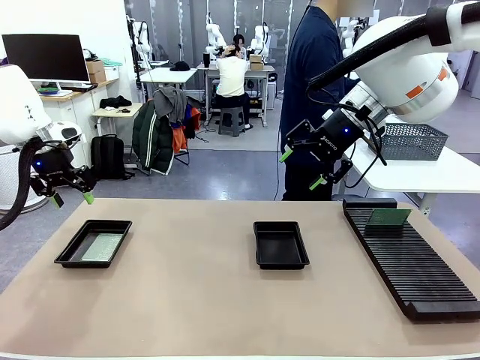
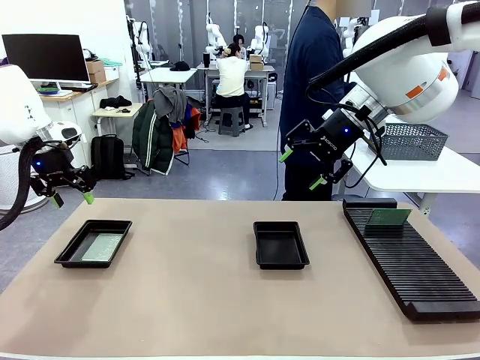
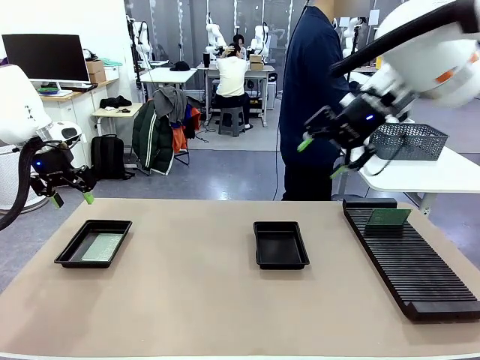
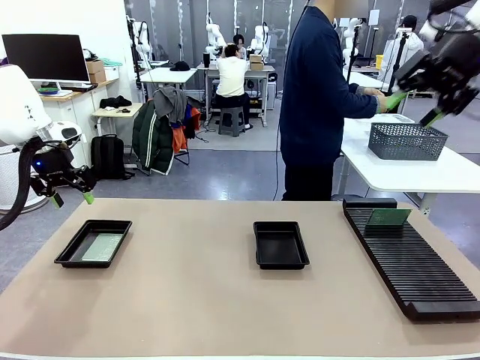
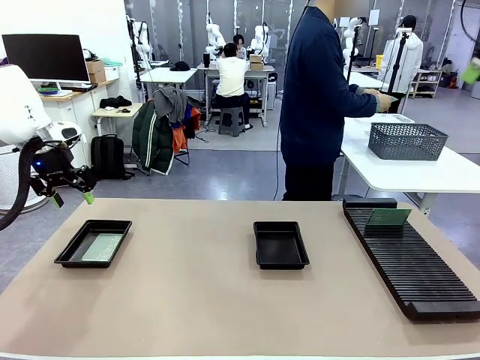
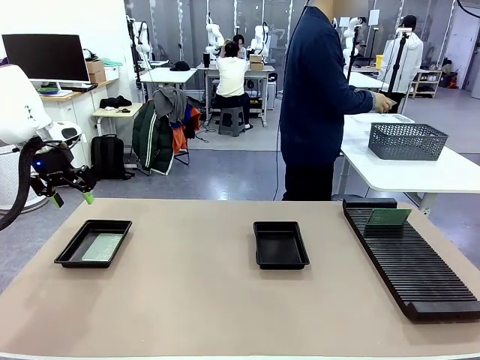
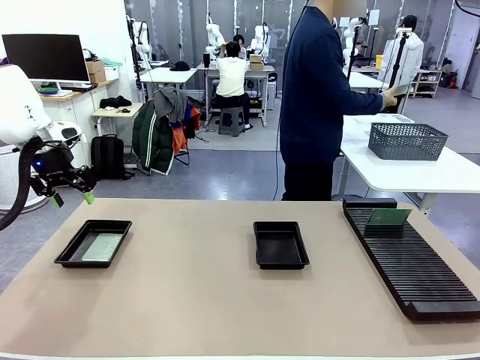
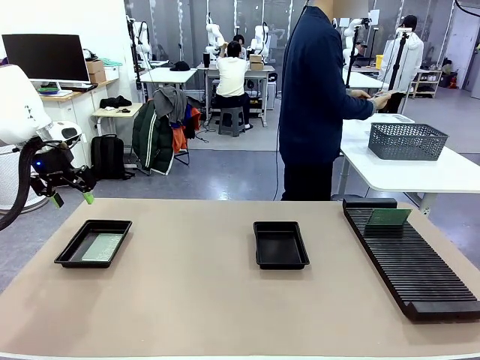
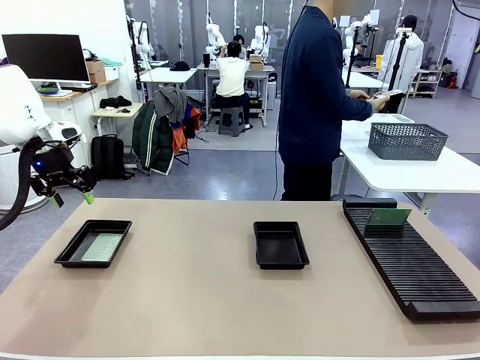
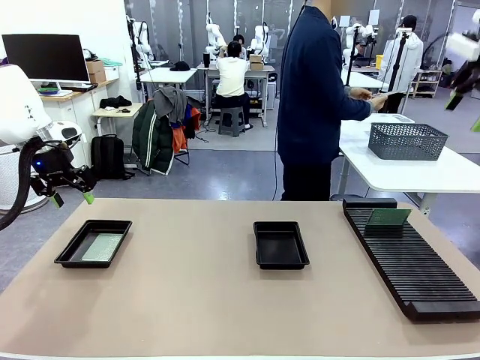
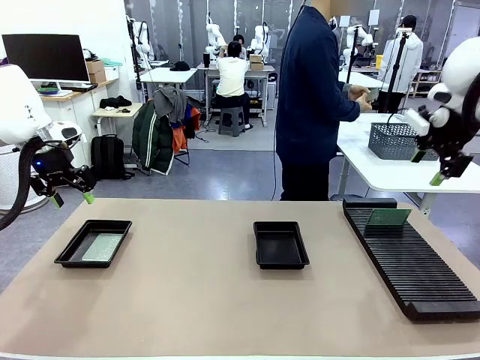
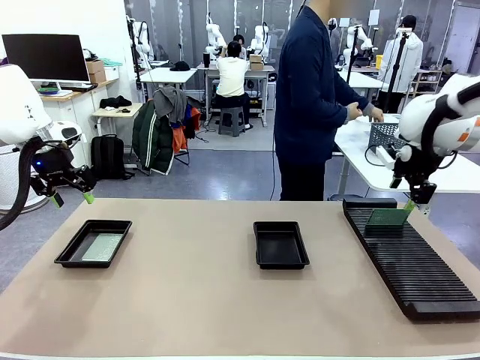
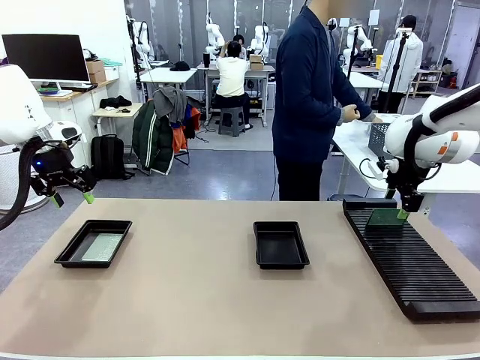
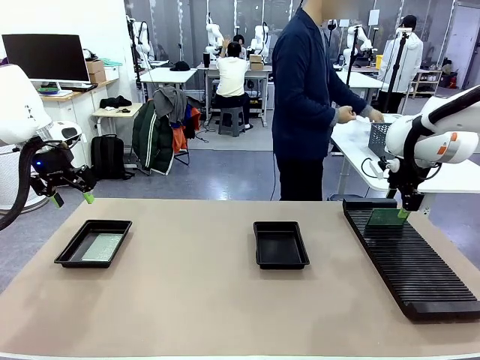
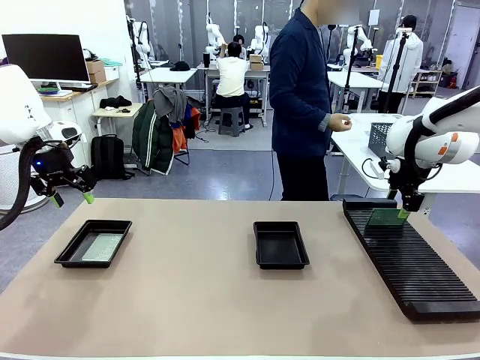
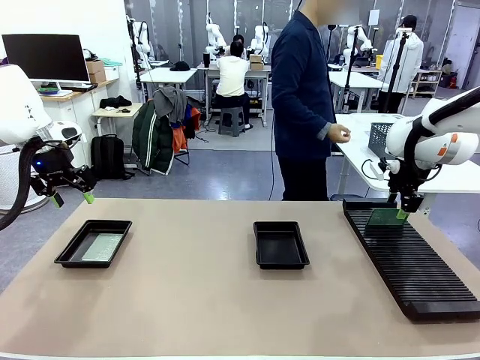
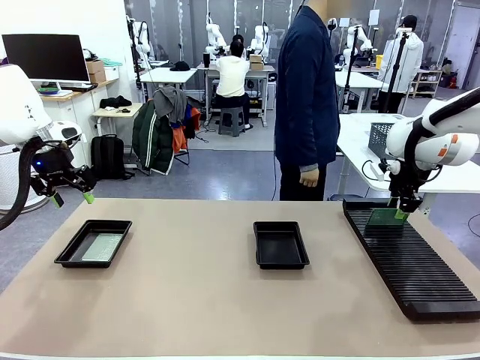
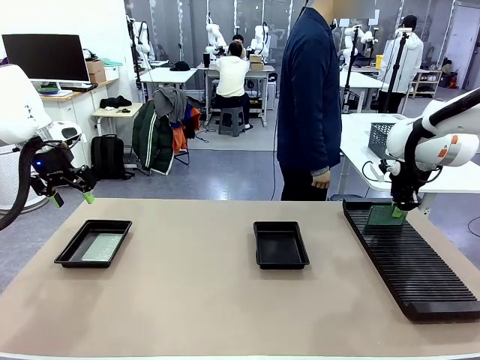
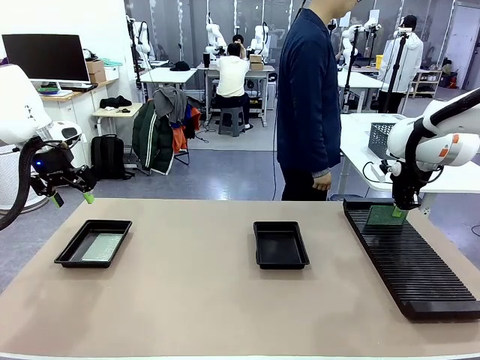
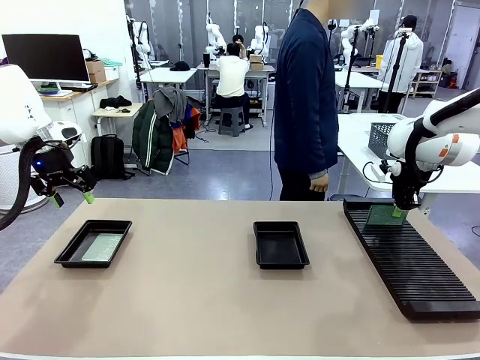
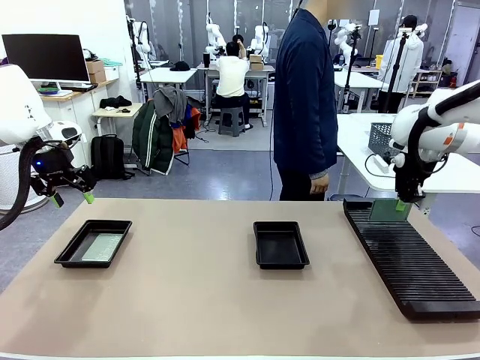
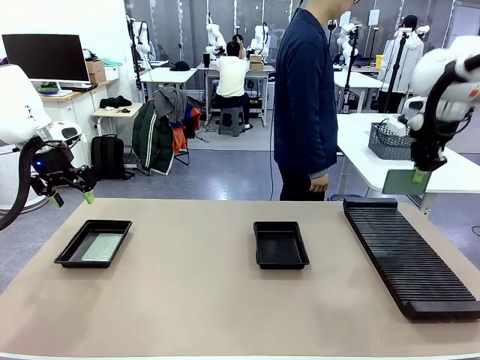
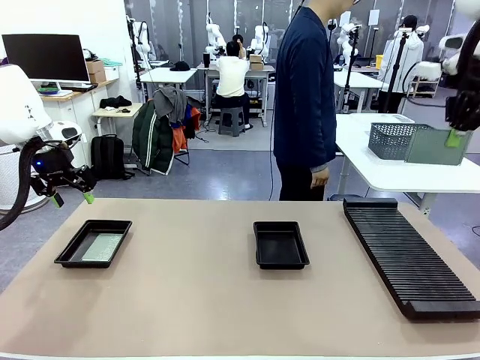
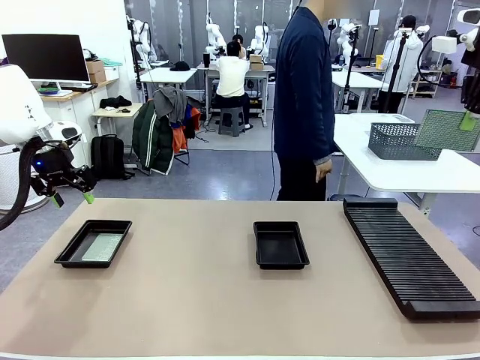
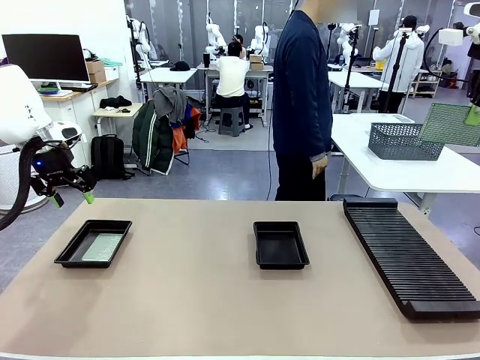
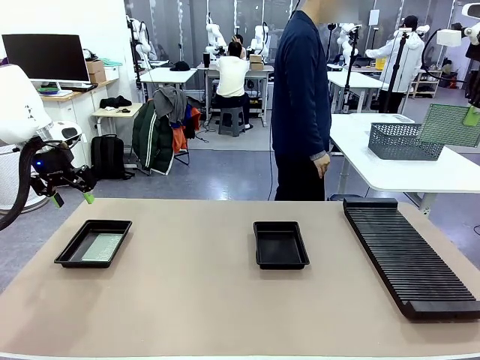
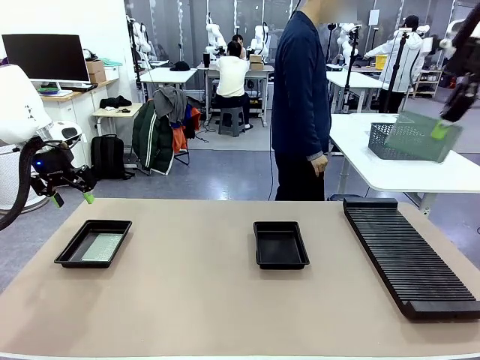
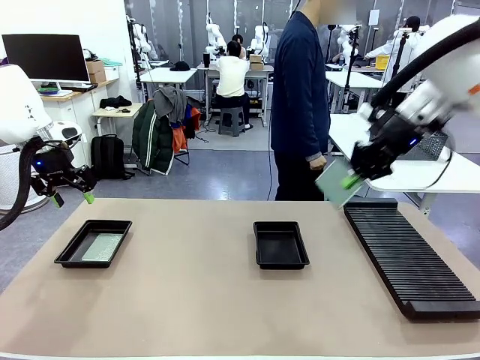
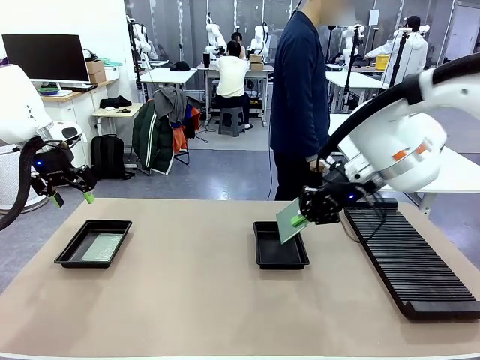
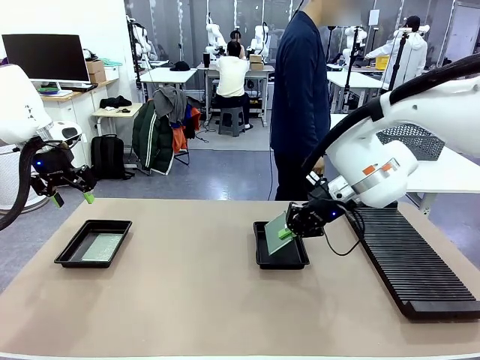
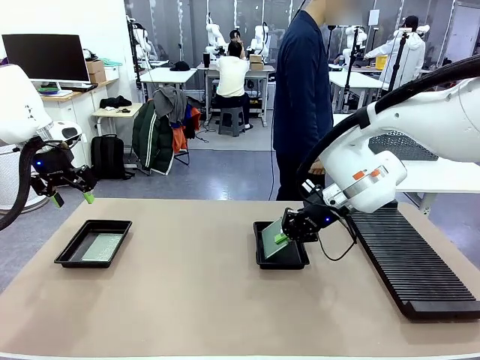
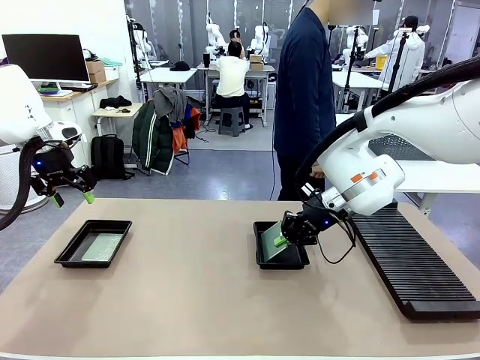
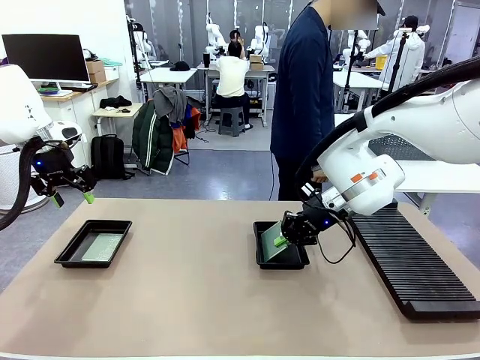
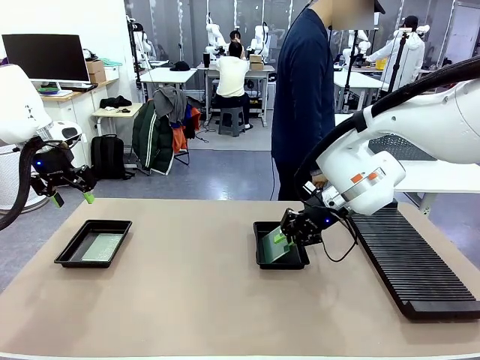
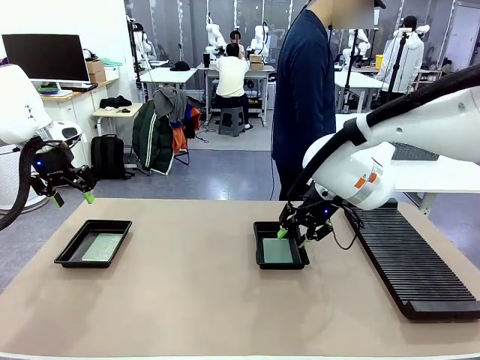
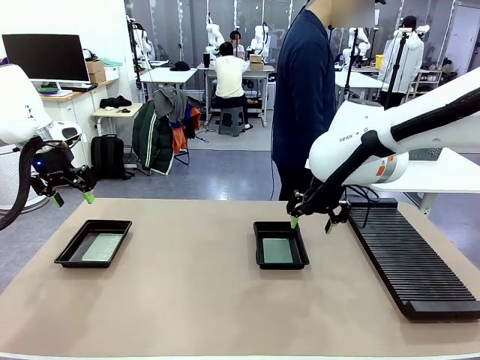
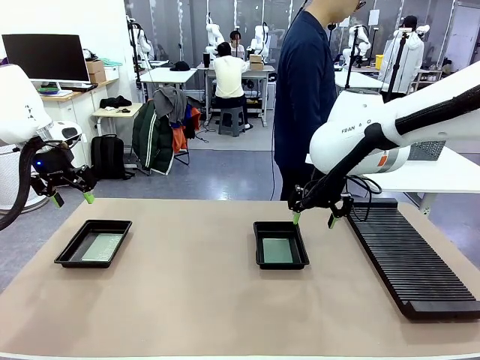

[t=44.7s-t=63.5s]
Task: Inspect and transfer BCBs to ESD trays.
Robot: Pick up the Blank PCB from the PCB Rack and place it in the right ESD tray.

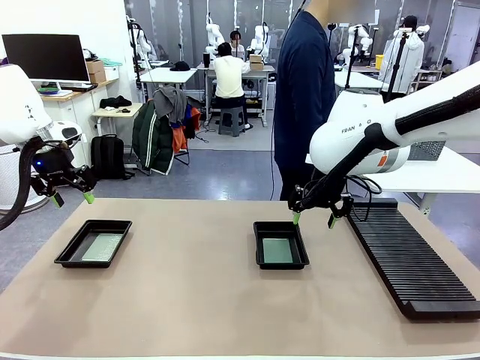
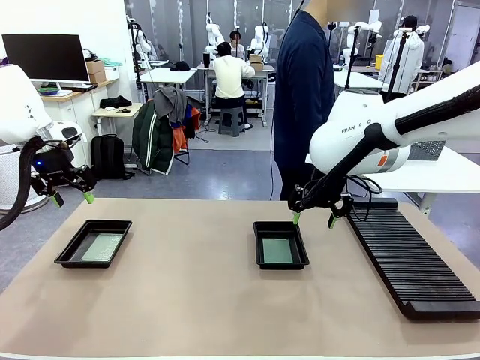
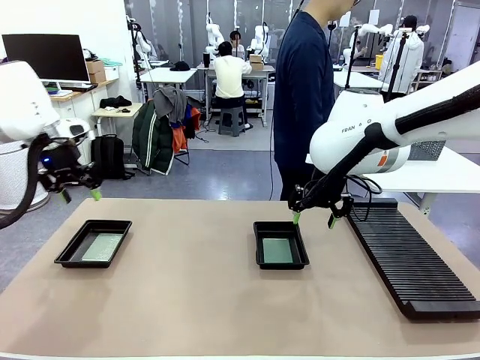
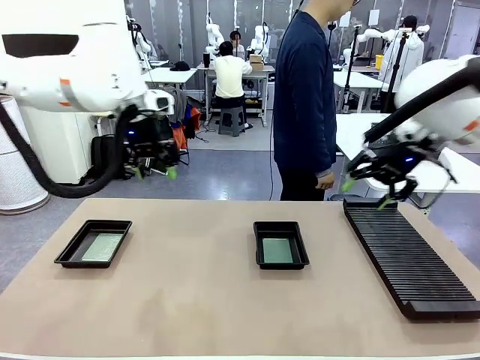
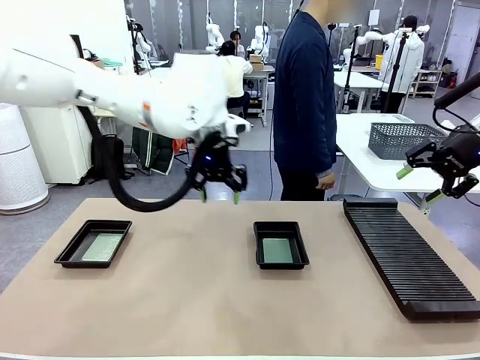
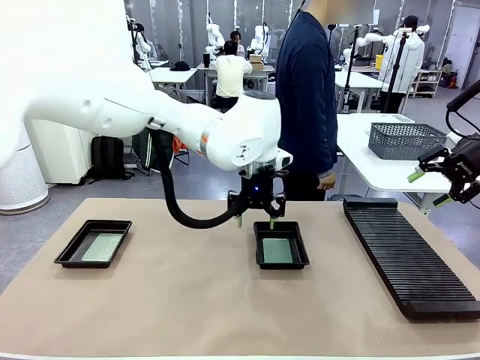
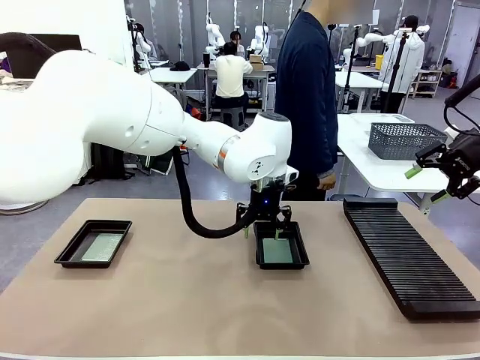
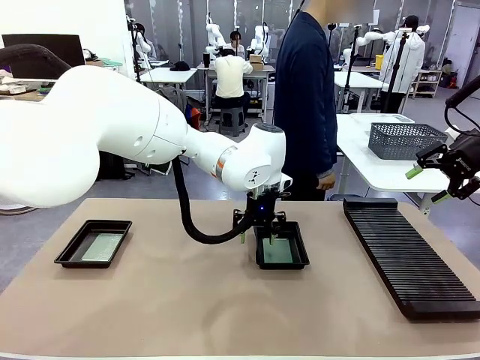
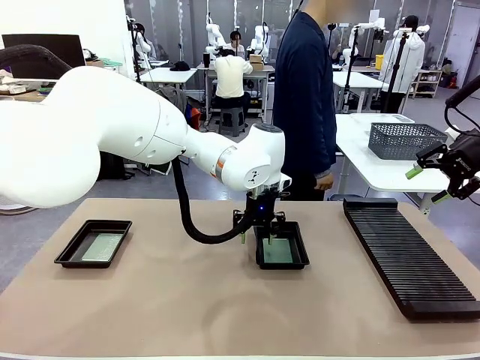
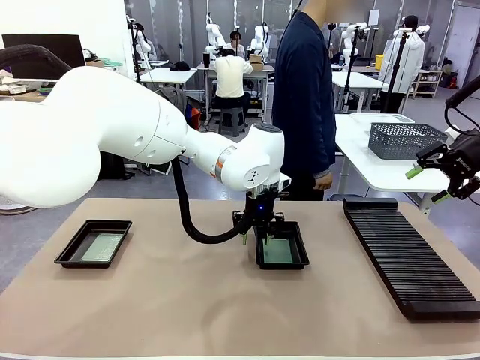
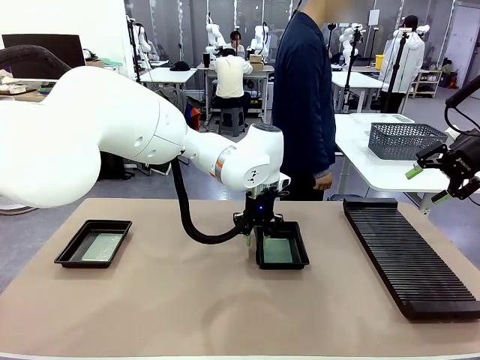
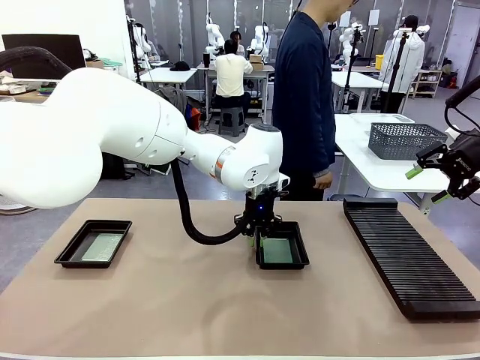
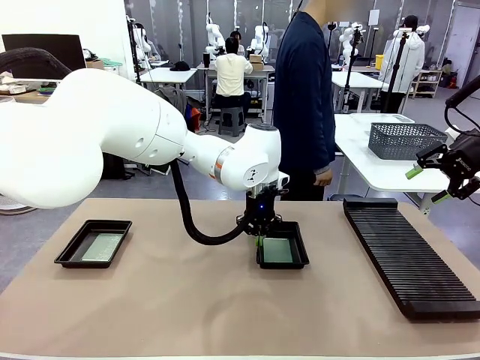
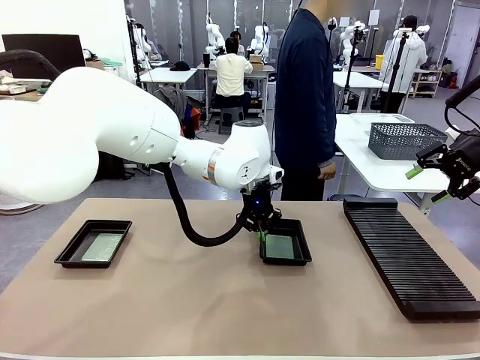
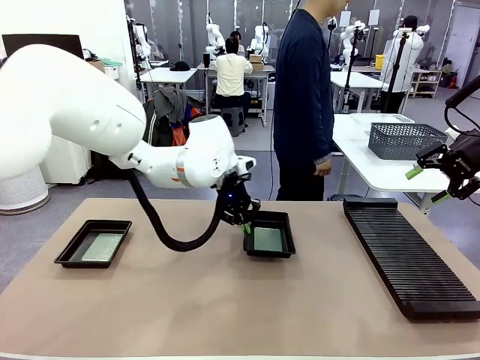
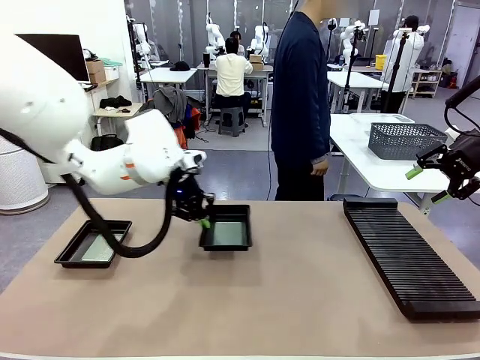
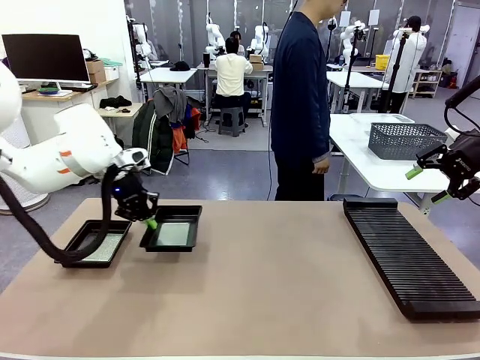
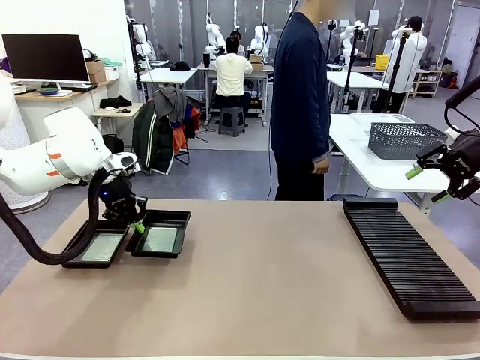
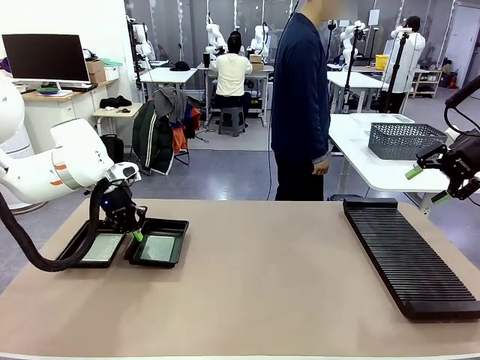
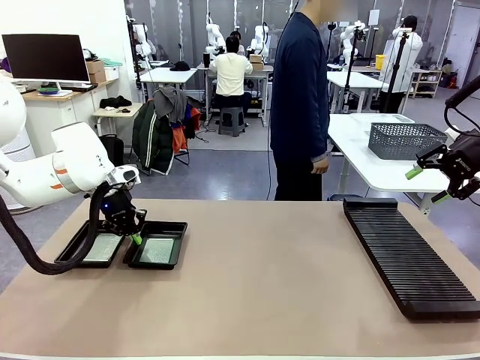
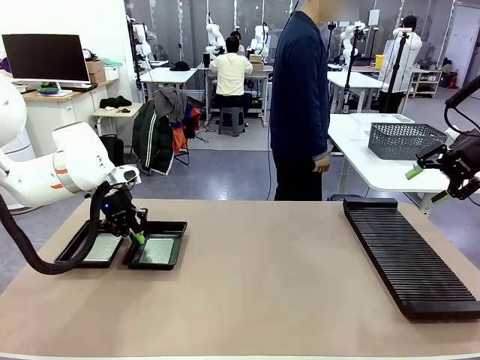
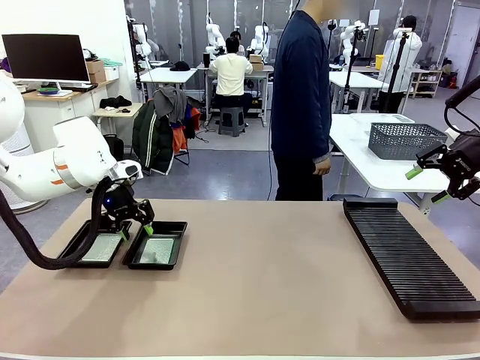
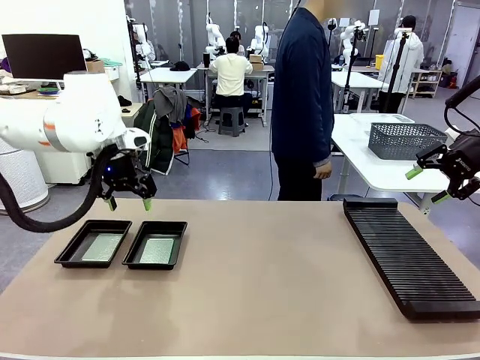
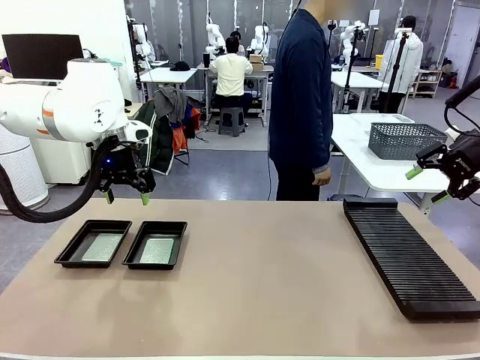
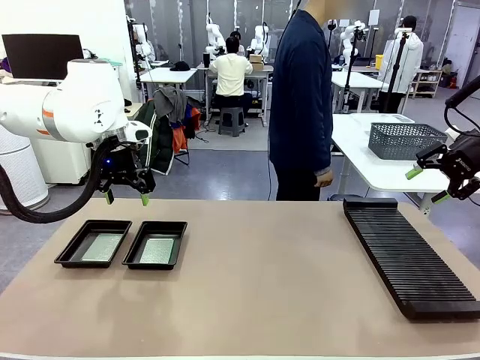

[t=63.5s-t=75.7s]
Robot: Pick up the ESD tray and place it on the left side of the table.
